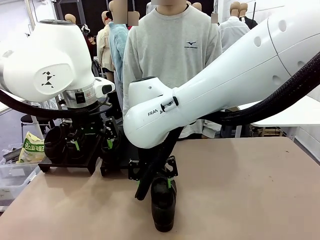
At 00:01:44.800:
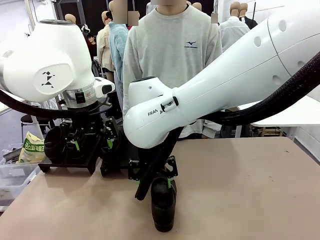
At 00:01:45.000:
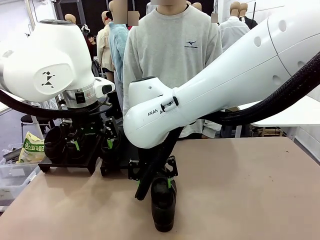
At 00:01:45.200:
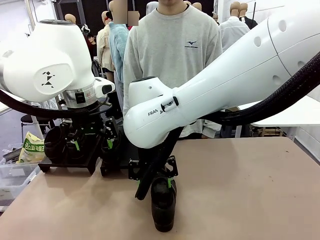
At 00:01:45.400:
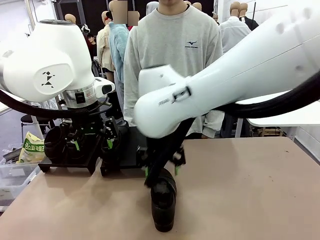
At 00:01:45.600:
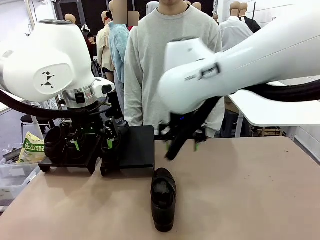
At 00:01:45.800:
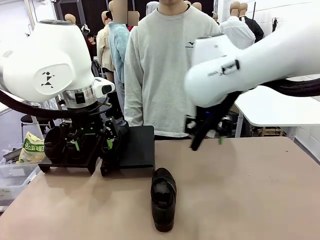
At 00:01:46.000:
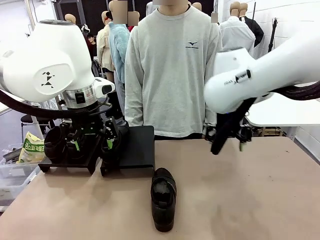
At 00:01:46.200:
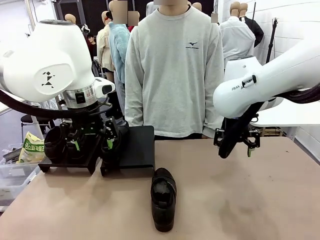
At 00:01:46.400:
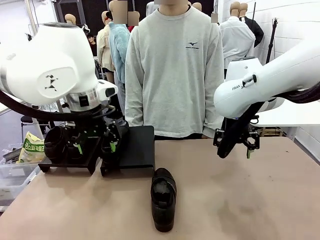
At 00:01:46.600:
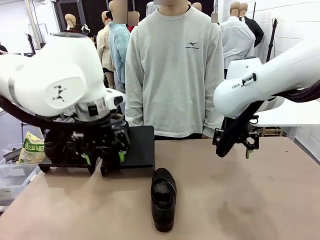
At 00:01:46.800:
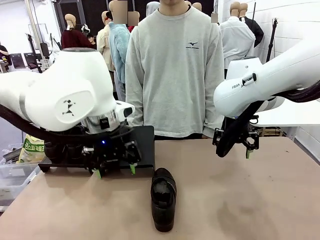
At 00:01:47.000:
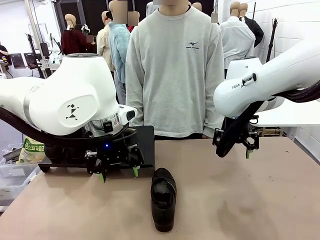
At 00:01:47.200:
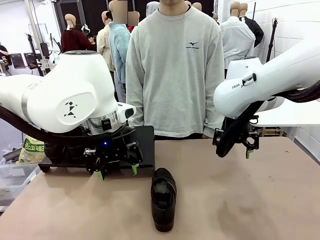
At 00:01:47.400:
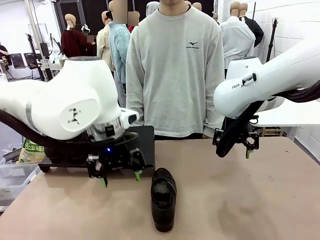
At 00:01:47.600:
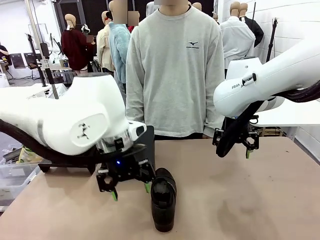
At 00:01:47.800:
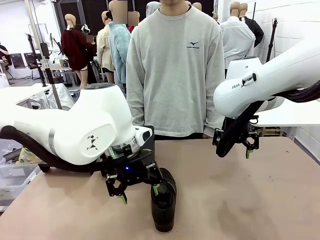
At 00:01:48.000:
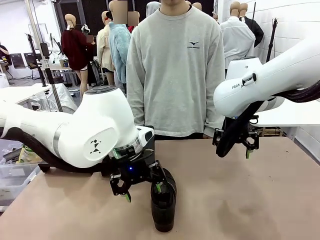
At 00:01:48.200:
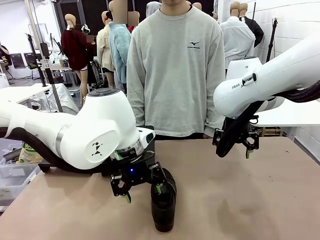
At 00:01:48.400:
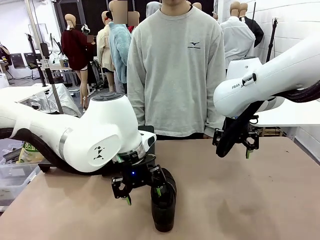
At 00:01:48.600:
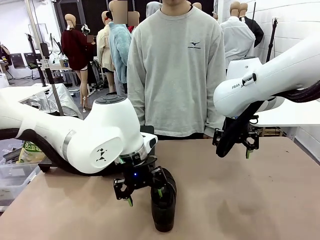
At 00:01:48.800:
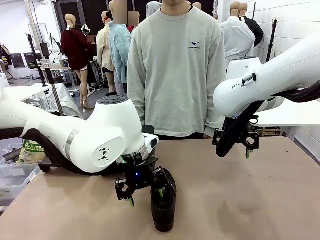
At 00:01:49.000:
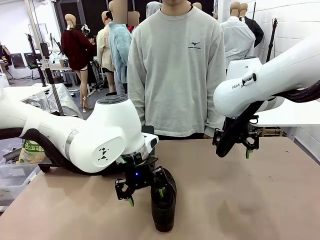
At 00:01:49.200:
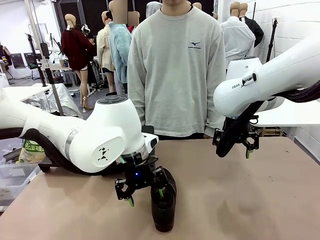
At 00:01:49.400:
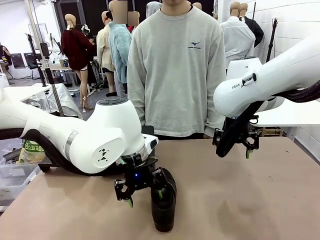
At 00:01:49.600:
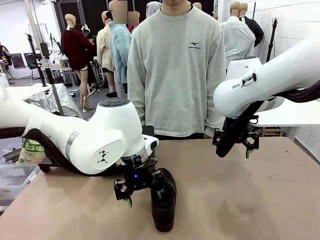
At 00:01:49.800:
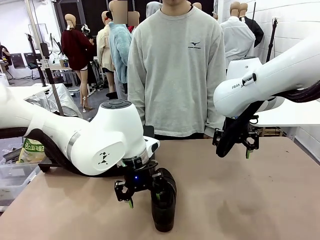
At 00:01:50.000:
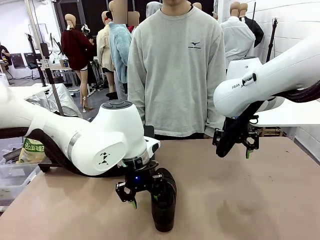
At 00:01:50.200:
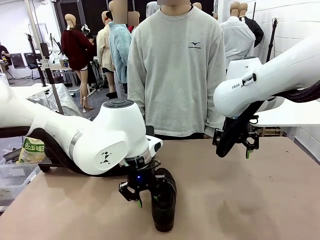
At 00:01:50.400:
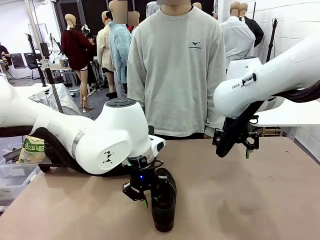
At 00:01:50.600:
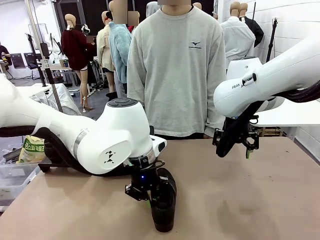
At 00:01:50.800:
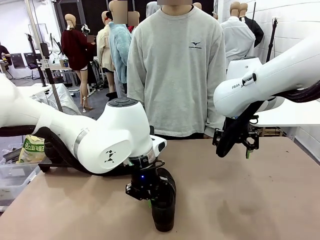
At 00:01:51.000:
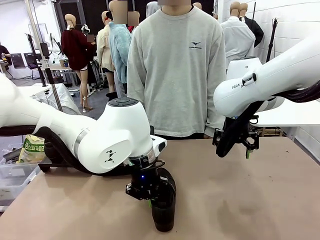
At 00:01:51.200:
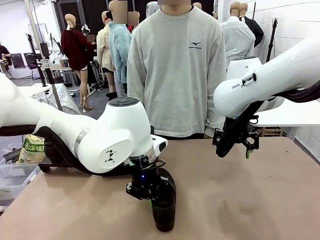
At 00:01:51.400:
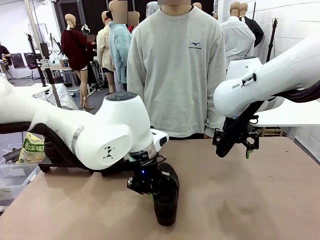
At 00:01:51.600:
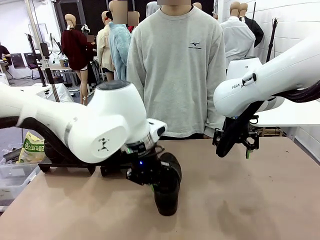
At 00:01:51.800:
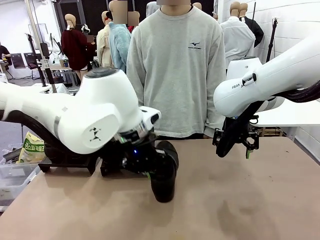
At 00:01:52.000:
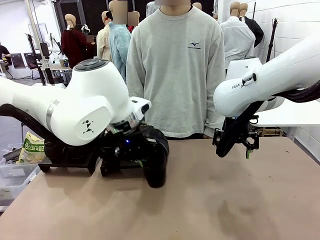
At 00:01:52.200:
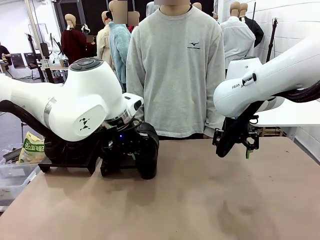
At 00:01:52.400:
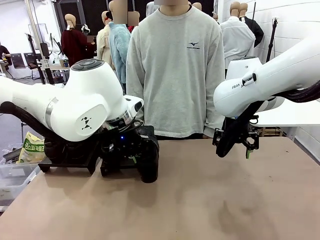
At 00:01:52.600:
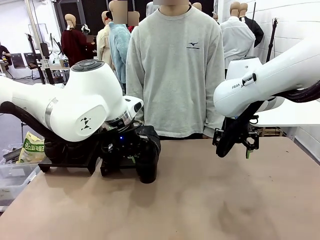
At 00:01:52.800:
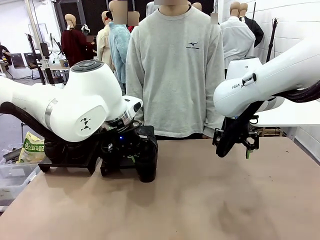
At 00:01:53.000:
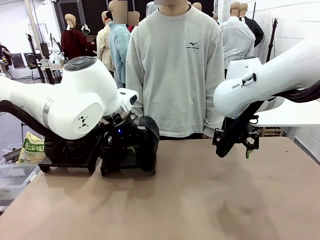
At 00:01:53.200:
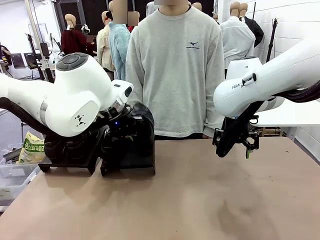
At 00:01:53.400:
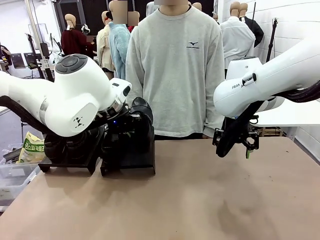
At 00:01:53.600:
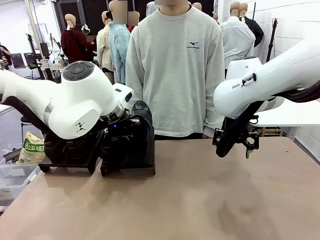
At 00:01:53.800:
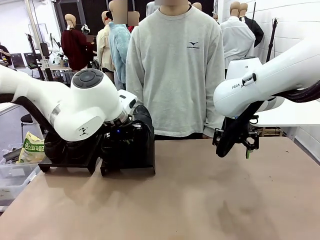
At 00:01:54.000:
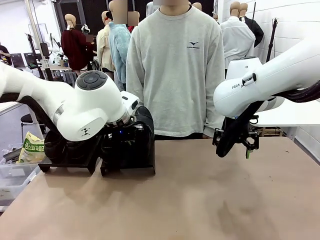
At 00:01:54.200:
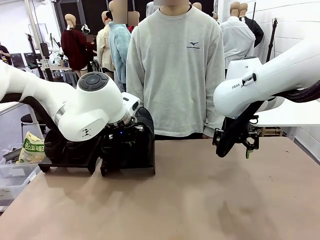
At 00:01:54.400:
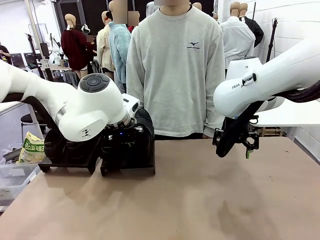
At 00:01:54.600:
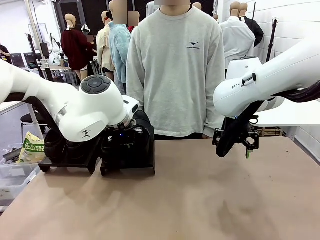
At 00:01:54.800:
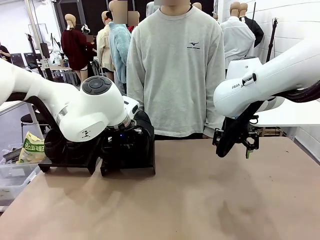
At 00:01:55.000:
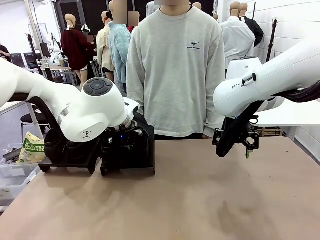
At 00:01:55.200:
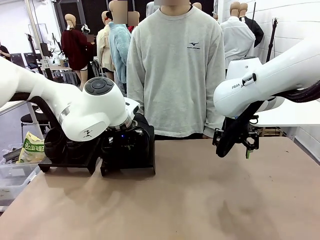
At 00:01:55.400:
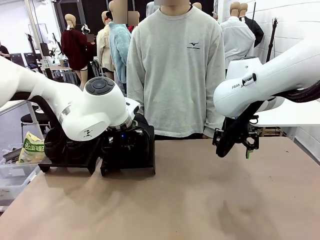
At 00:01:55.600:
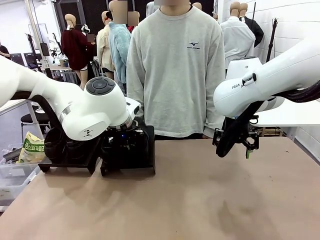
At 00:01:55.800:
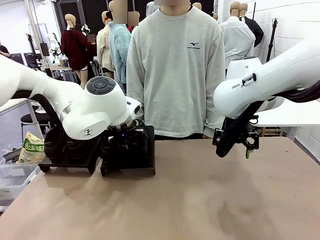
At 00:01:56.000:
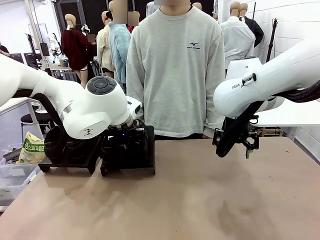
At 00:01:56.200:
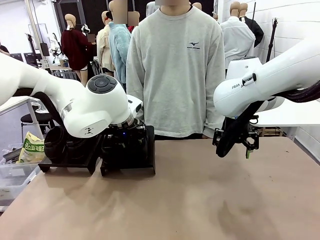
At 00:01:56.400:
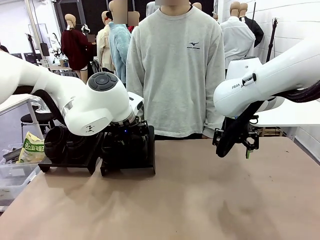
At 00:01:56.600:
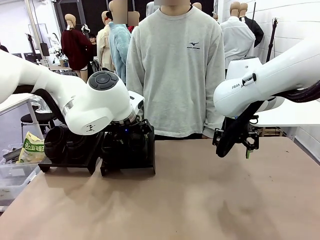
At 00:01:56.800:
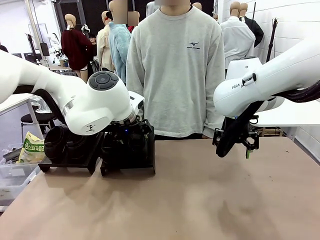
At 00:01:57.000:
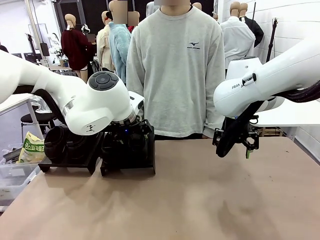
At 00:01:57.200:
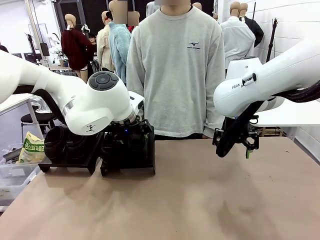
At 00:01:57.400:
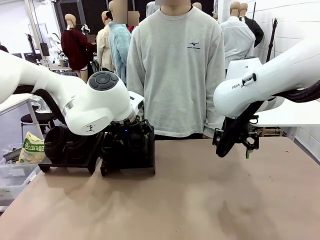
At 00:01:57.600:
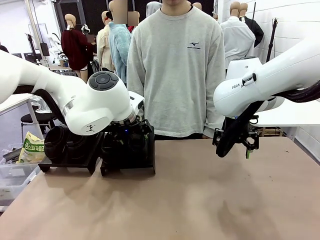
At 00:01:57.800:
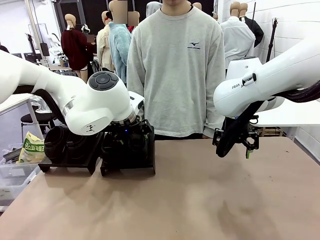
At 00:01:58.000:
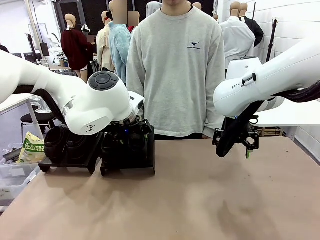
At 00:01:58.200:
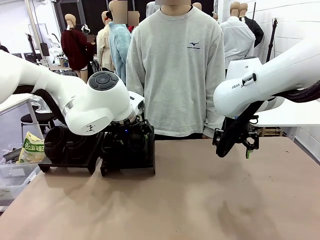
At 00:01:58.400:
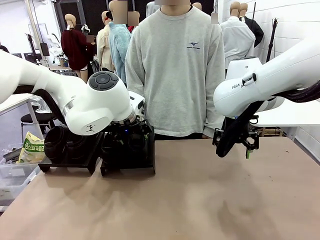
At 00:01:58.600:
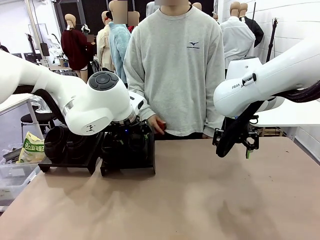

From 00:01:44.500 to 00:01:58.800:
Task: Organize the shoes by placing them on the stand.
Robot: Place the Shoe from the middle of the table onto the Shoes Stand.

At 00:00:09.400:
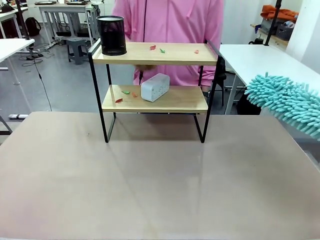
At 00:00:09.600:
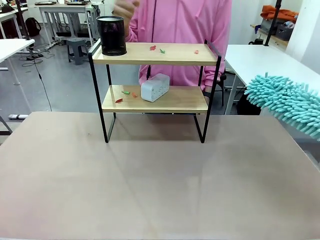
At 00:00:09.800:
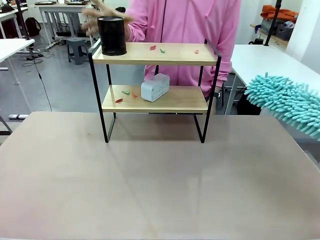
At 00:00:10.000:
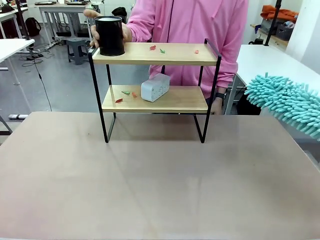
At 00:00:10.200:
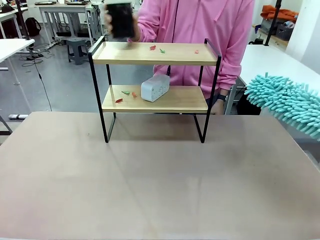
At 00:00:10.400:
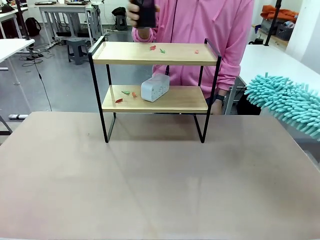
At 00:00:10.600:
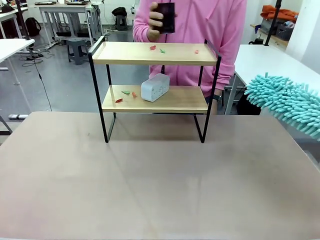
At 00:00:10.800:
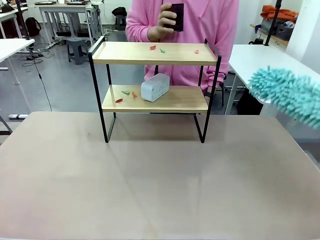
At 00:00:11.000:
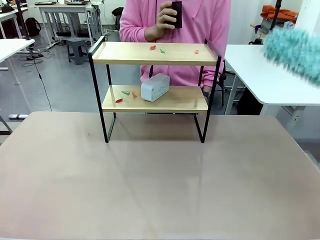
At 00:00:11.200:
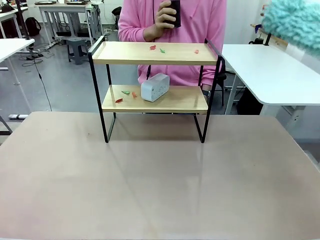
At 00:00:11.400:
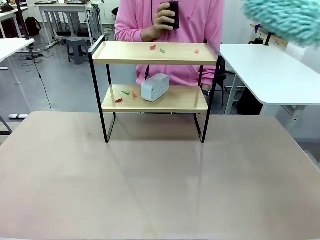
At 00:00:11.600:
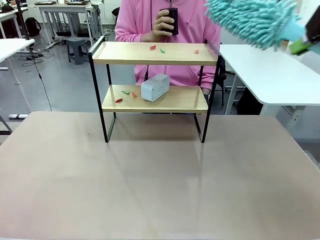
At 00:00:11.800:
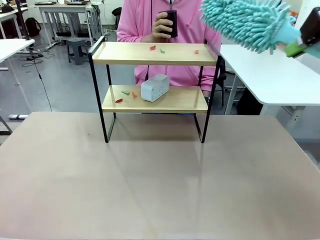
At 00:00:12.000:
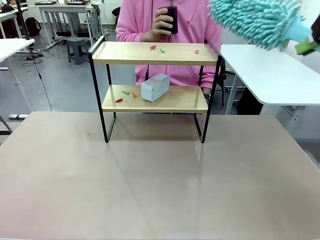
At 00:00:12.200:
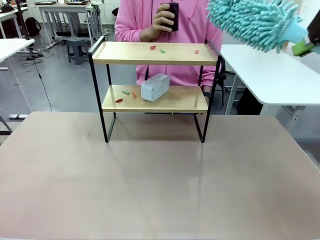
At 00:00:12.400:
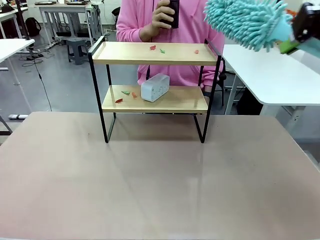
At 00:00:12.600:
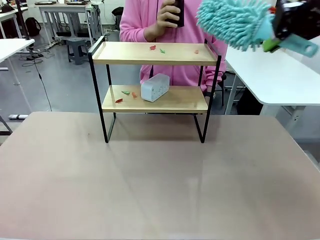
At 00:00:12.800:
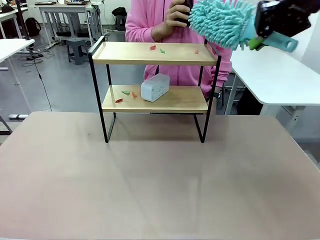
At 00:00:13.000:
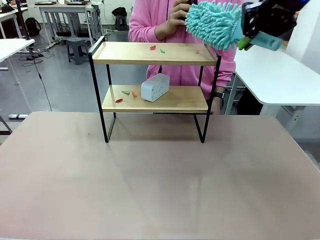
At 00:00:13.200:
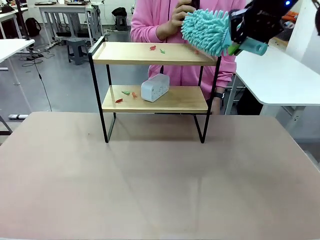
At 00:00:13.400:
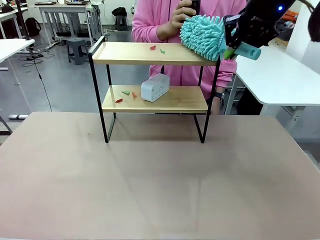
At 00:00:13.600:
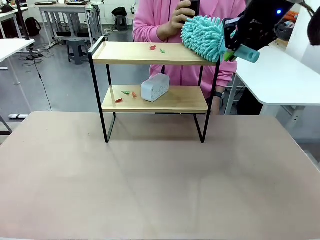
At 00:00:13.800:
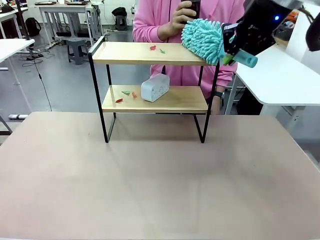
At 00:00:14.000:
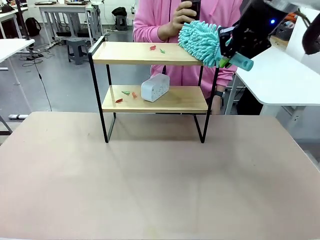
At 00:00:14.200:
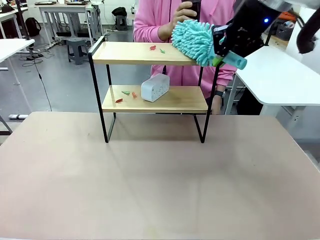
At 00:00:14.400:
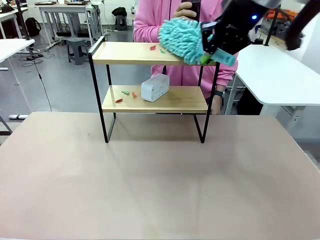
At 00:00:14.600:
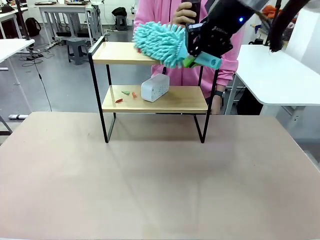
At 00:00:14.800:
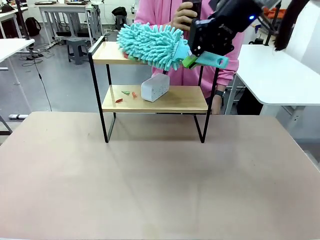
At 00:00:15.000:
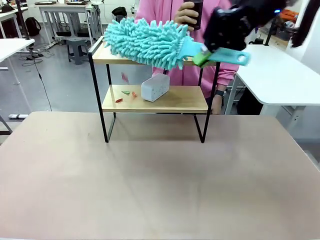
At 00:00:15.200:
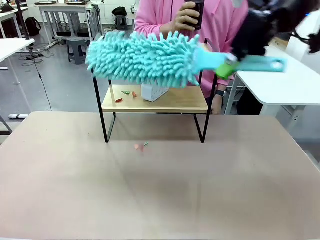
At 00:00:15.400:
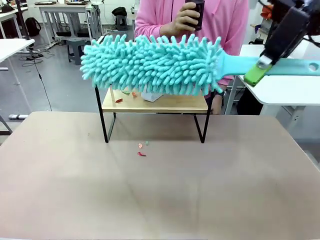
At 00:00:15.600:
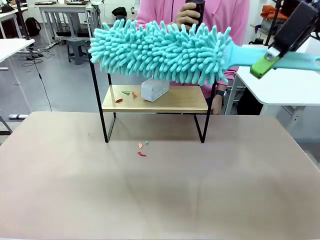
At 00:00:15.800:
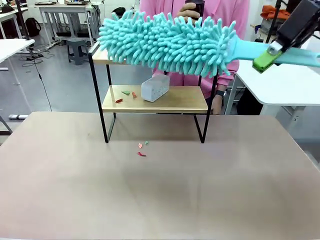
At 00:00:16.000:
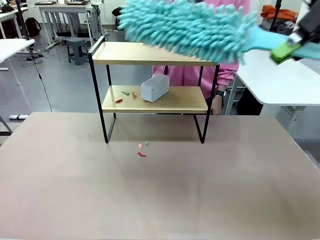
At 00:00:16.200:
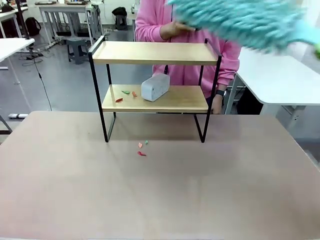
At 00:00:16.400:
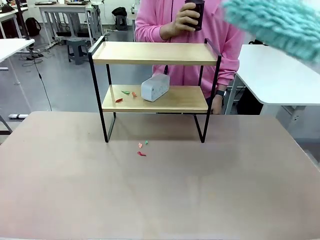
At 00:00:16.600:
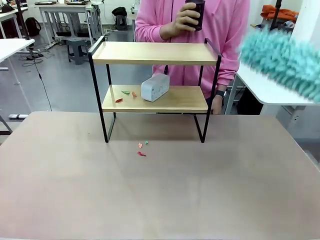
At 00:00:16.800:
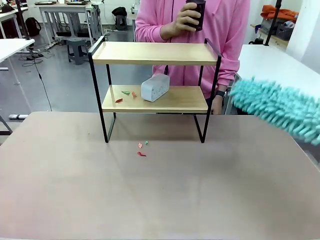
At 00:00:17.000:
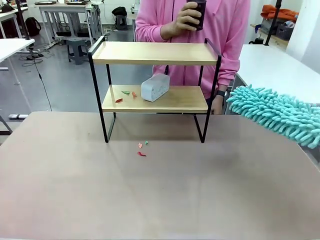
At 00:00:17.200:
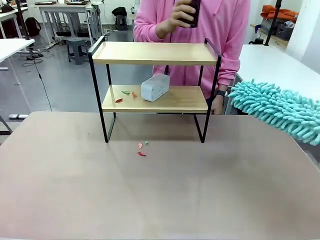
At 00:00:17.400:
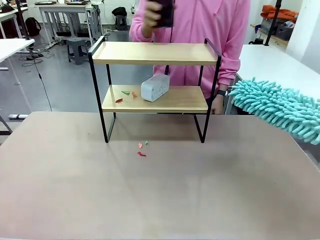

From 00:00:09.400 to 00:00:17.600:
Task: Clean the shelf.
Robot: Clean the specific tier of the Shelf with the Duster once objects are removed.
Person: Lift the objects on a randomly selected tier of the Shelf. Once the robot finishes cleaning, lift the objects on the remaining tiers of the Shelf.
